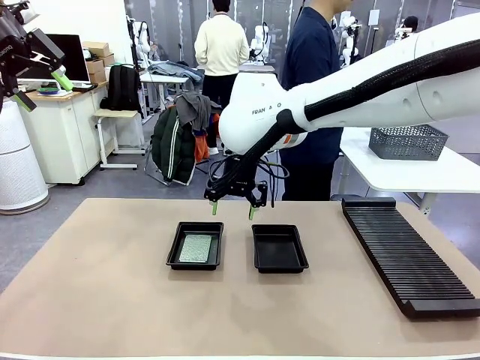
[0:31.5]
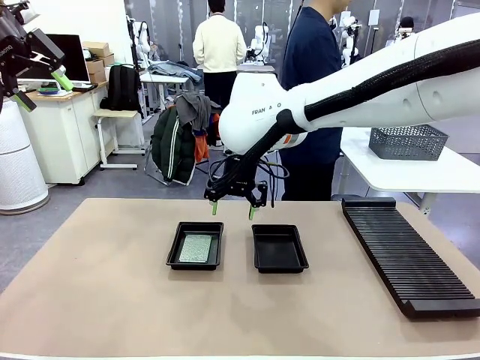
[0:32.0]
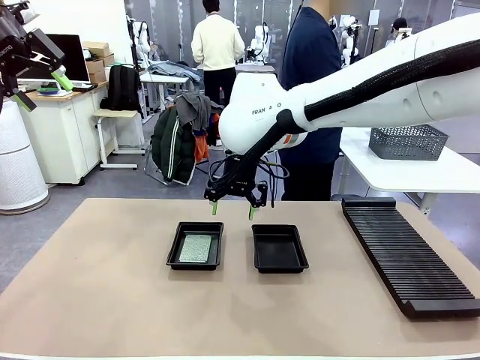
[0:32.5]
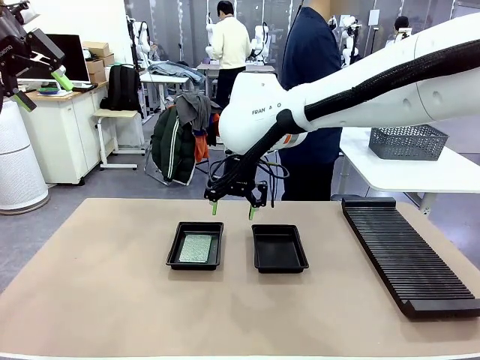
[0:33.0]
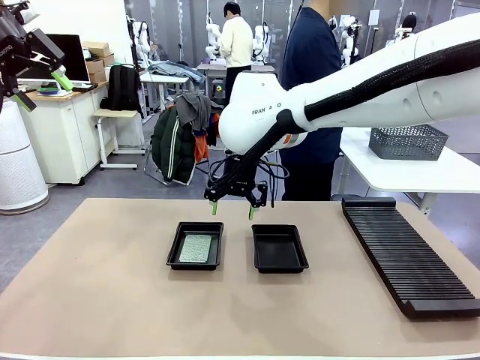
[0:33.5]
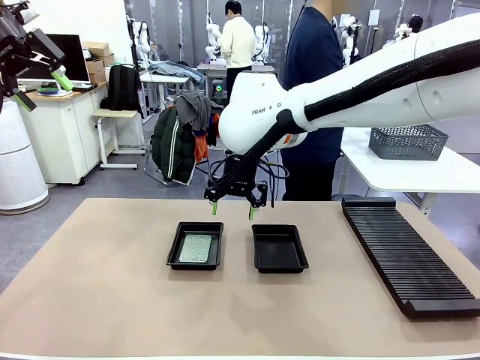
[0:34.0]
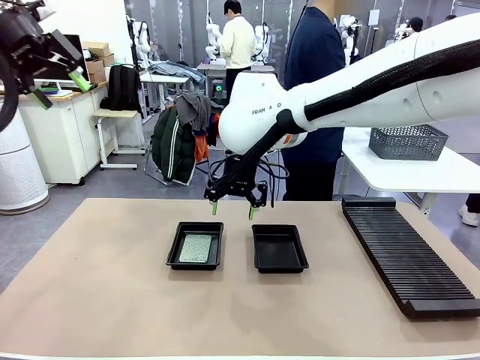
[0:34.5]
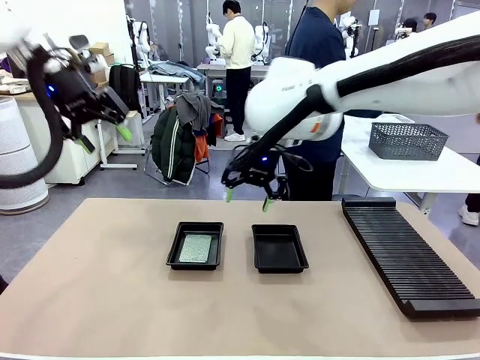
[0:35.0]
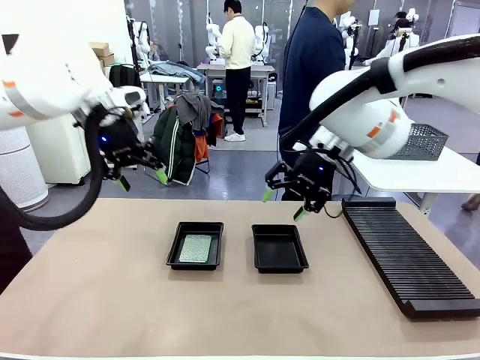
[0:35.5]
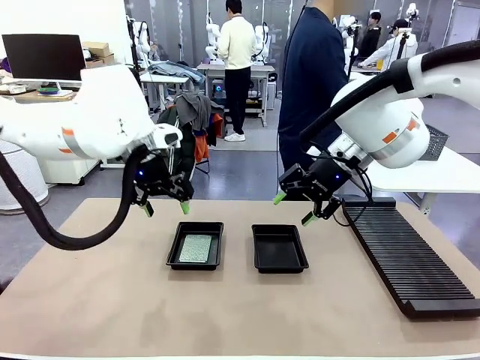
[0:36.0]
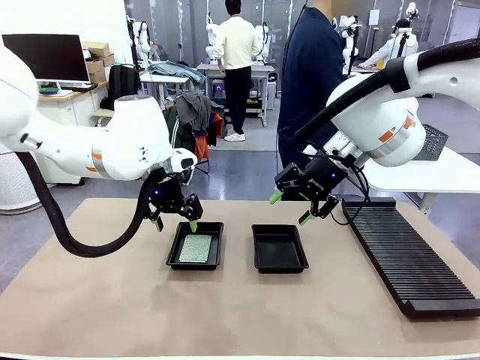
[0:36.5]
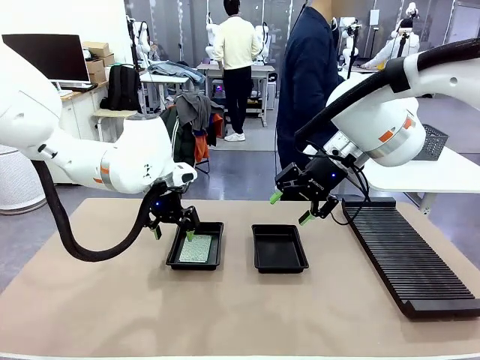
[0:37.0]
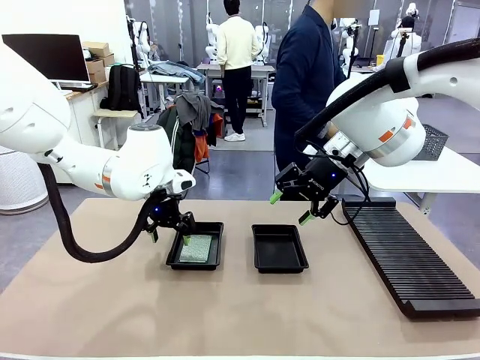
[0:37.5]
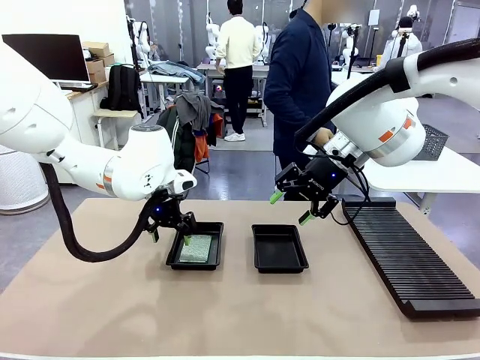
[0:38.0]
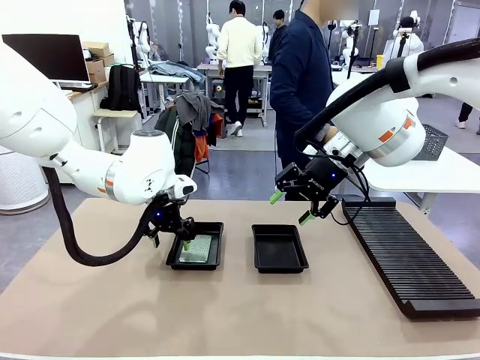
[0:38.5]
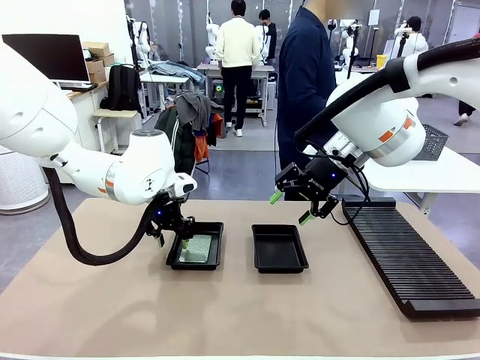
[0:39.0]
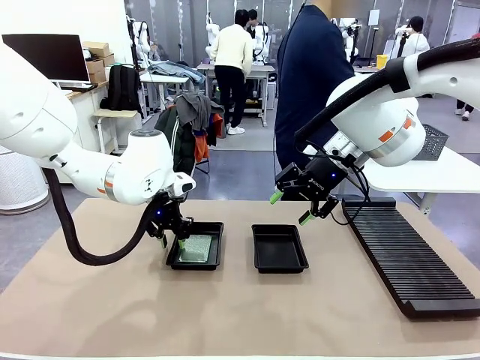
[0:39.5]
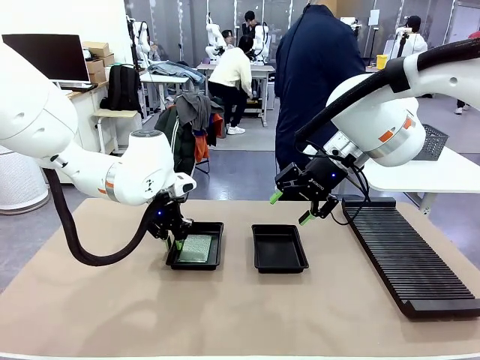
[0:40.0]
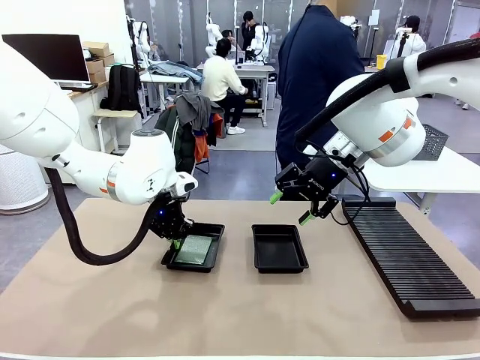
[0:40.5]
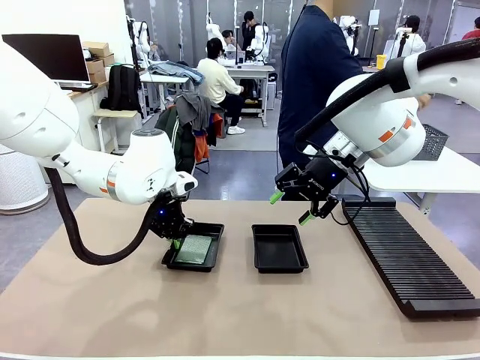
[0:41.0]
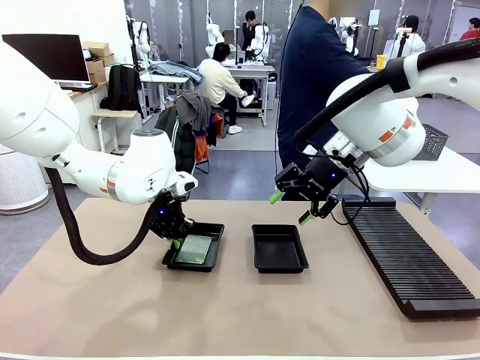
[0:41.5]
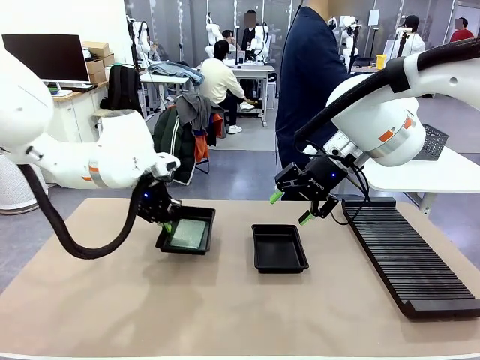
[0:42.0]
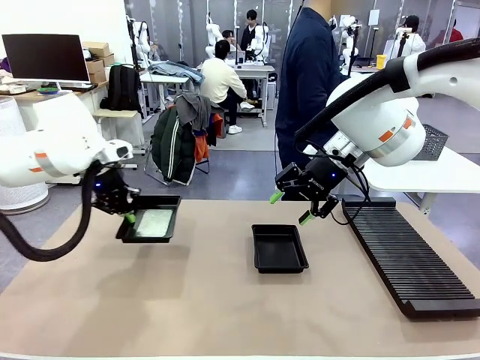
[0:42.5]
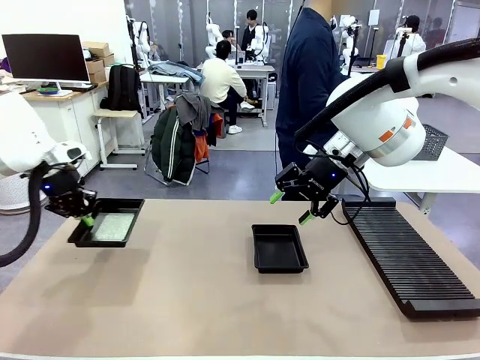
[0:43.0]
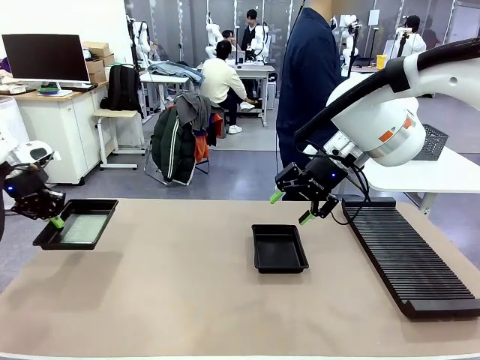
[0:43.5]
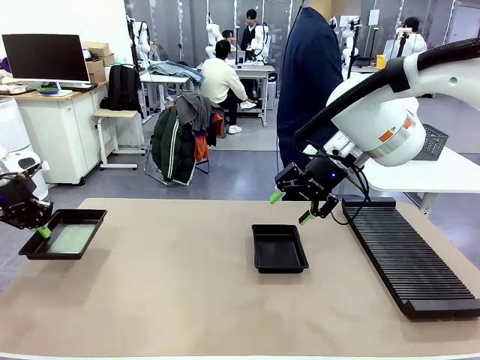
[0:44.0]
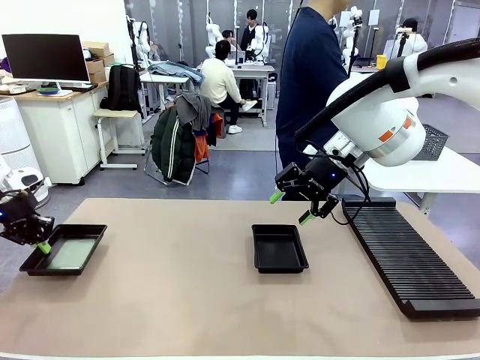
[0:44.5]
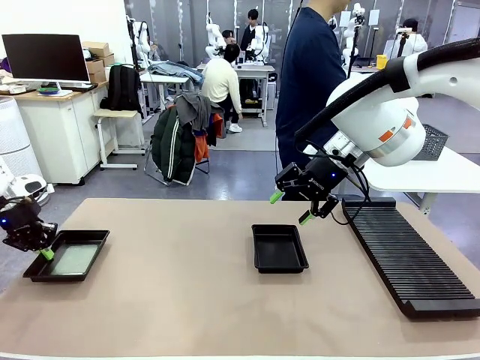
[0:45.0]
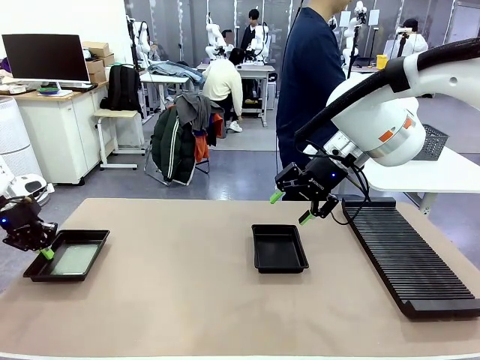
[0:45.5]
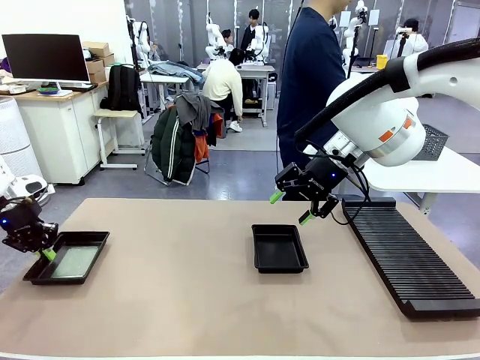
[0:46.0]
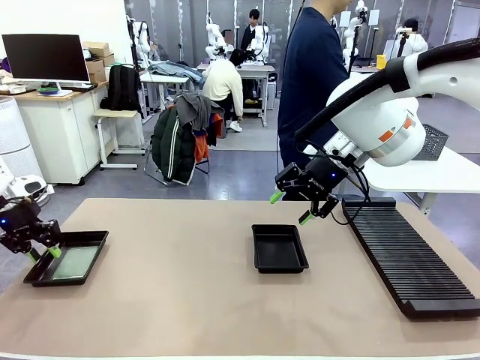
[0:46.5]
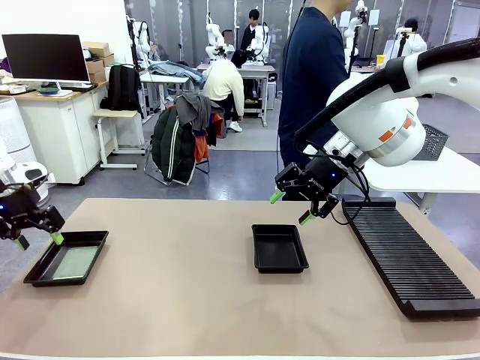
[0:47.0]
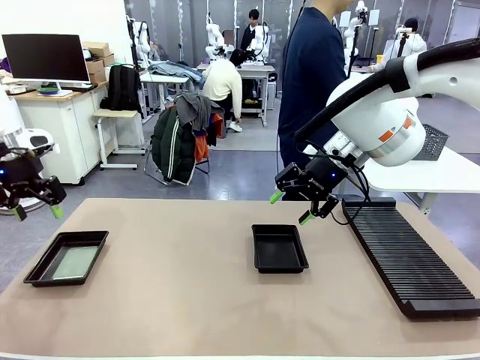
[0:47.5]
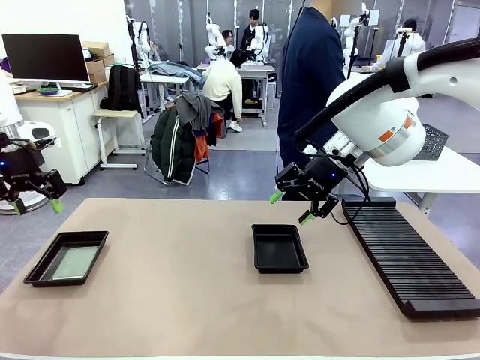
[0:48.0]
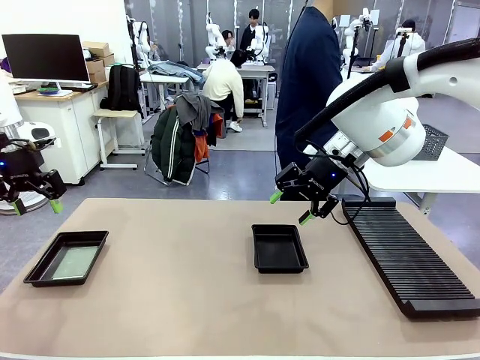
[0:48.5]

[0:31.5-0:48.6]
Task: Inspect and transfer BCBs to ESD trays.
Robot: Pick up the ESD tray and place it on the left side of the table.

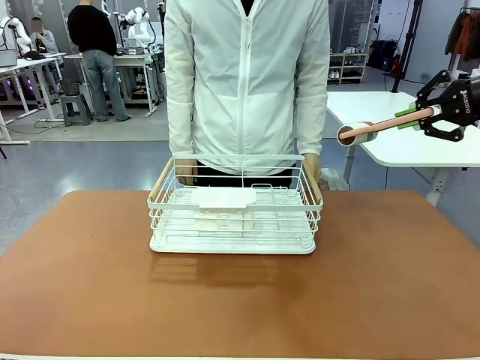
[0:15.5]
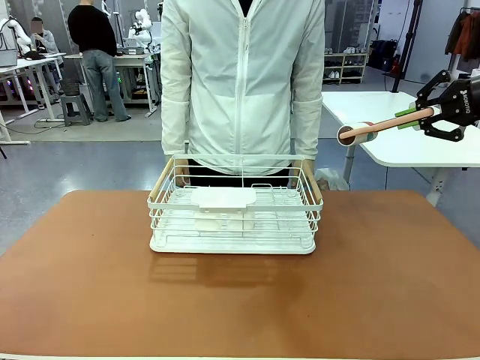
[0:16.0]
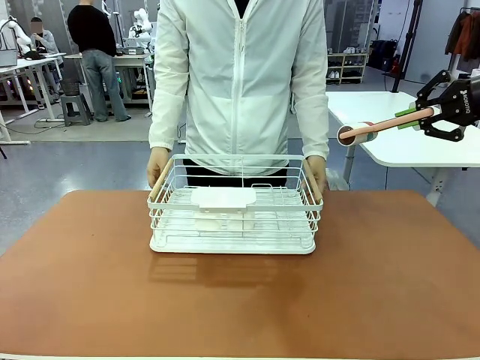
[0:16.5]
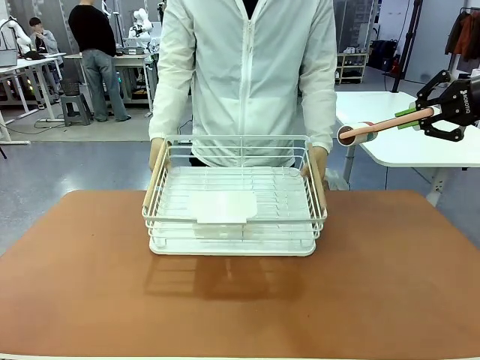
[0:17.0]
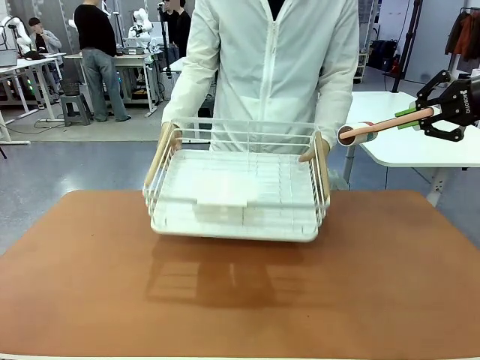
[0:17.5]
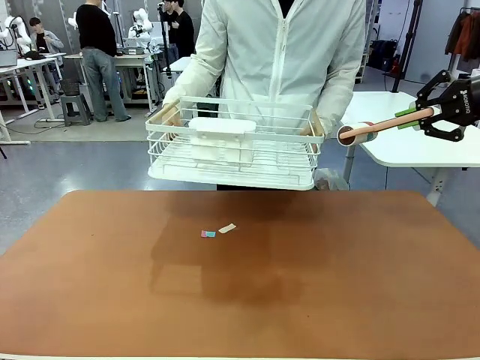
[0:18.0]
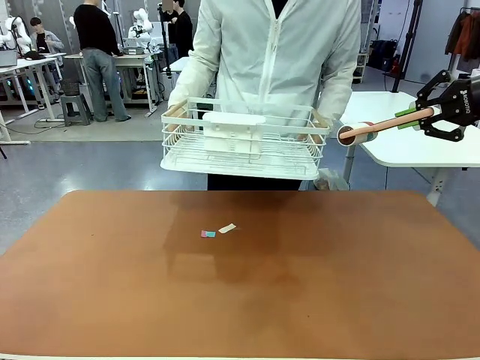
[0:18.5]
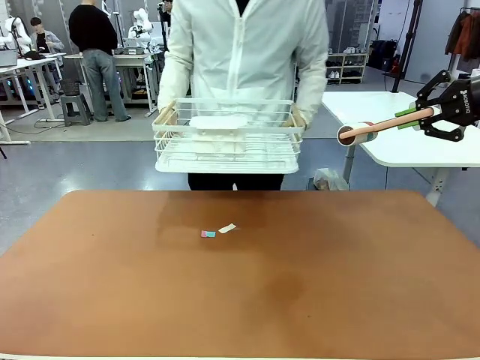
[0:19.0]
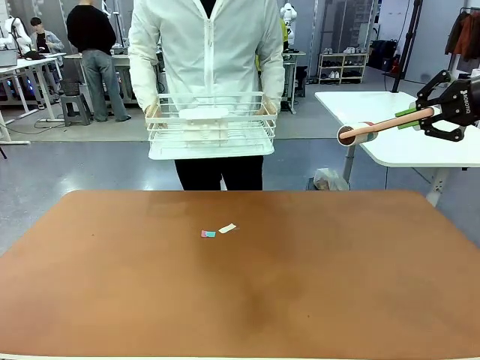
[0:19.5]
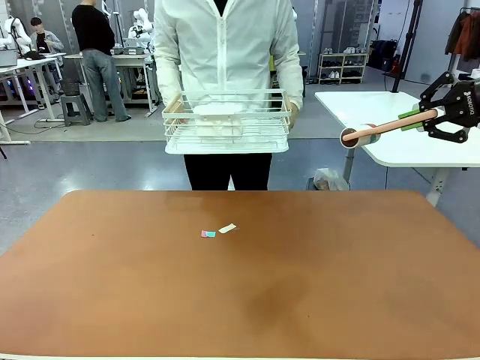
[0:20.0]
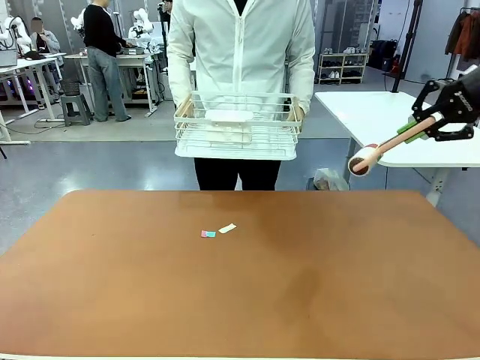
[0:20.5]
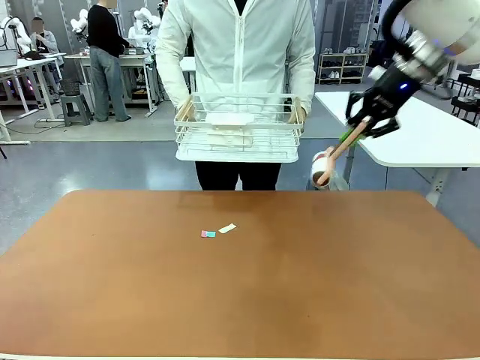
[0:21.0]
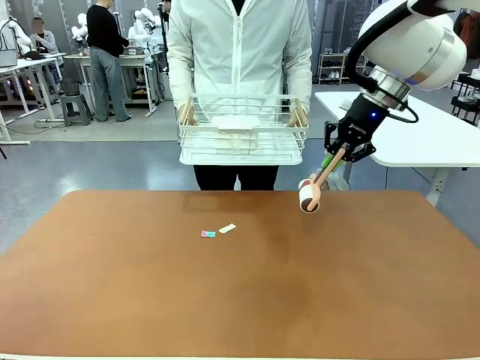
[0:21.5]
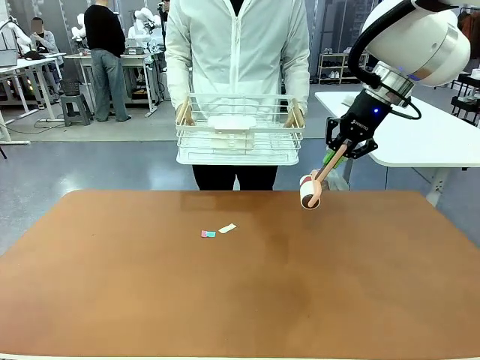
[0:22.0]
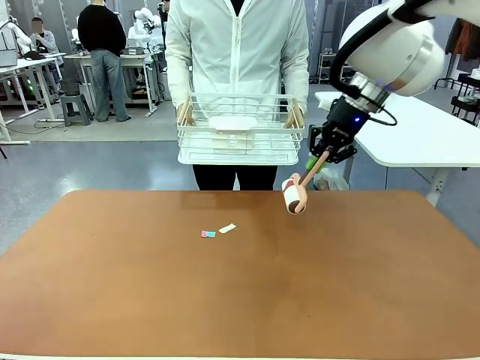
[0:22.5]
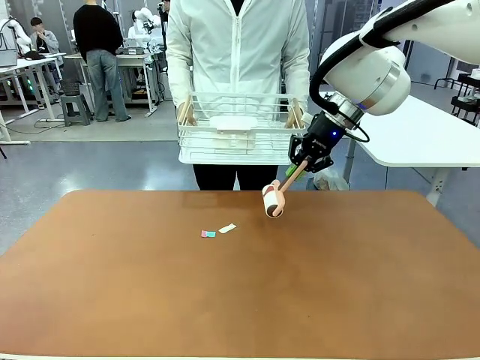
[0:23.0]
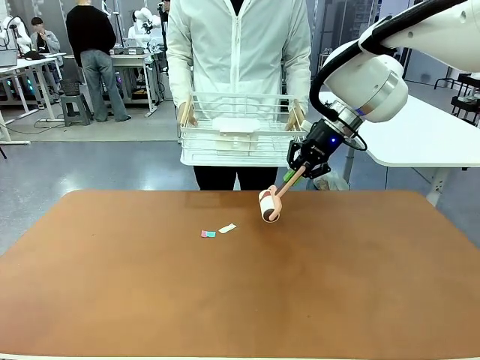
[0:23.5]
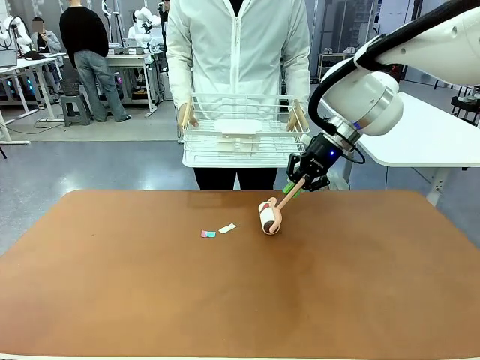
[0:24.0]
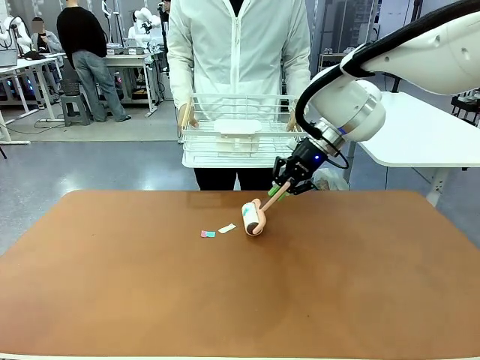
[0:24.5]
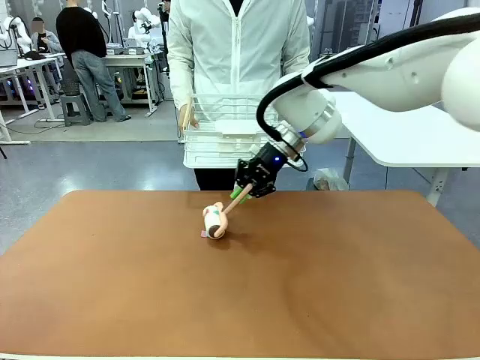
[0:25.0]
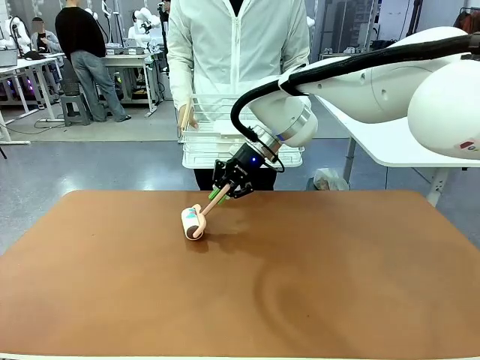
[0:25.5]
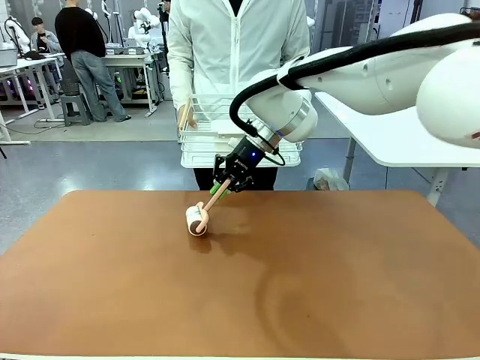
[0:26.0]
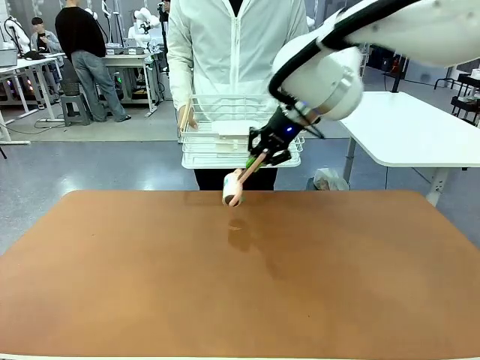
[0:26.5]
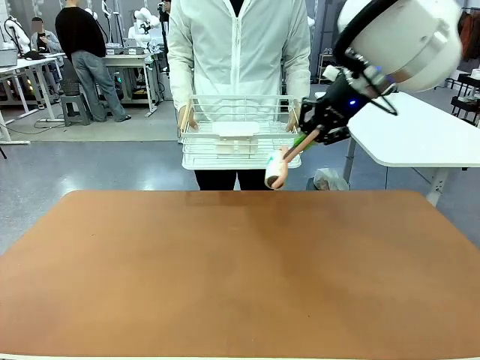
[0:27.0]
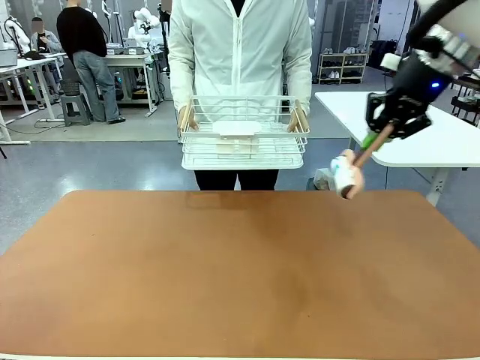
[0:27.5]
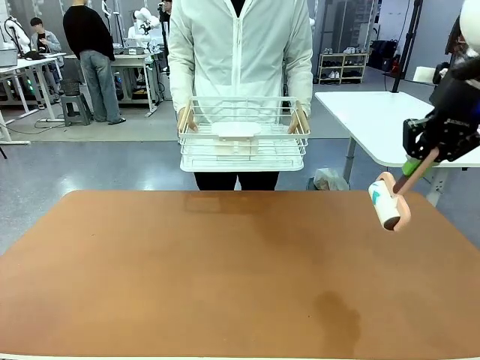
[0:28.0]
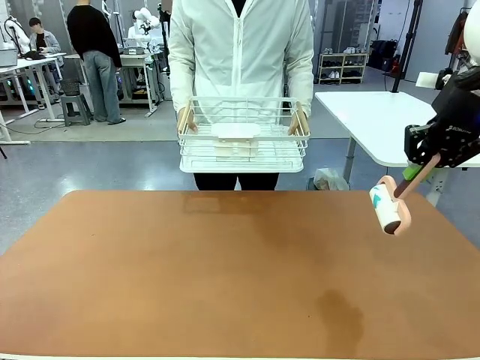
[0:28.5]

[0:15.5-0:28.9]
Task: Clean the table.
Robot: Clean the table with the Lint Roller when the human lifts the Dish drying rack.
